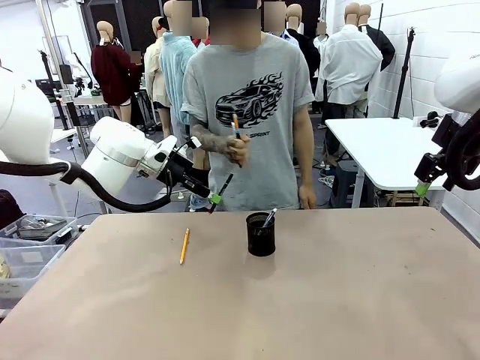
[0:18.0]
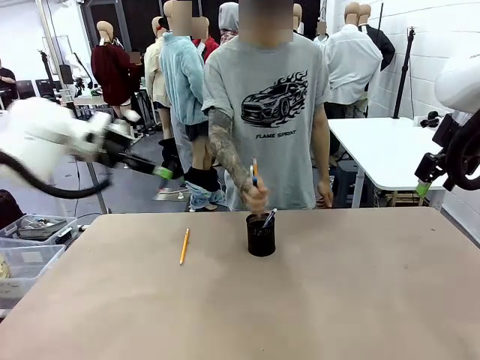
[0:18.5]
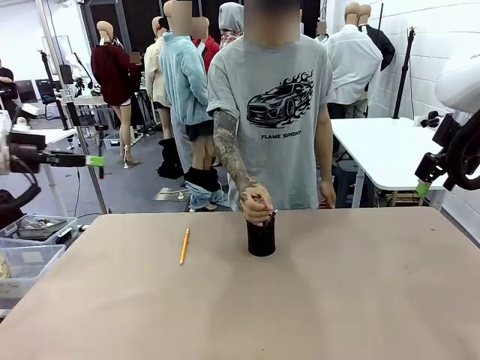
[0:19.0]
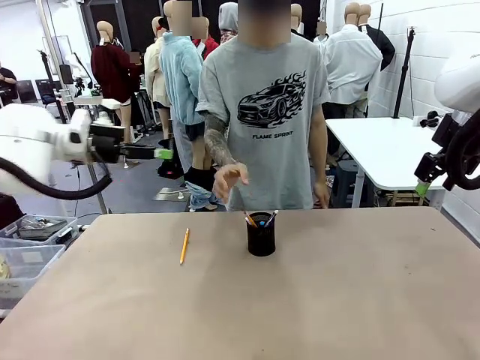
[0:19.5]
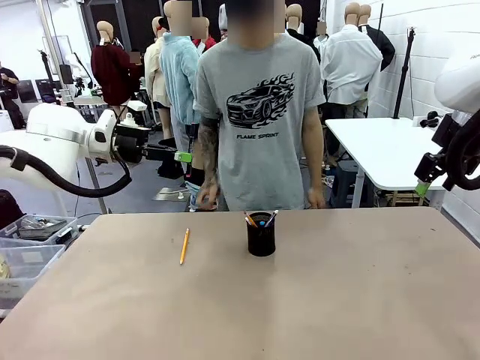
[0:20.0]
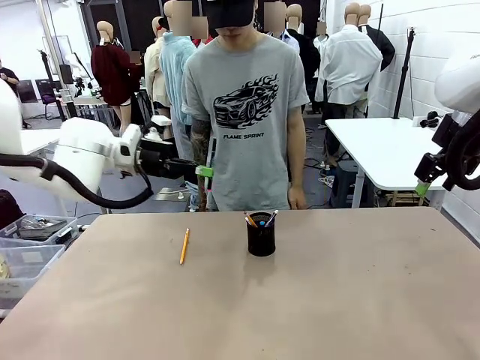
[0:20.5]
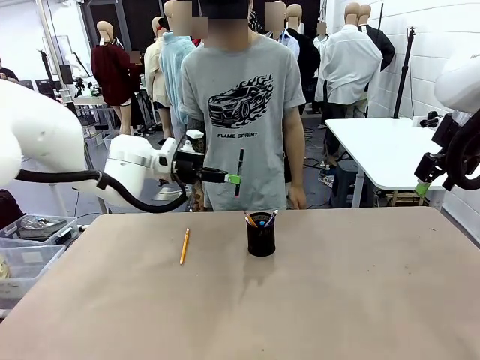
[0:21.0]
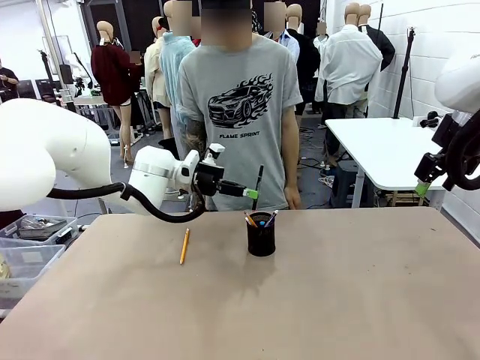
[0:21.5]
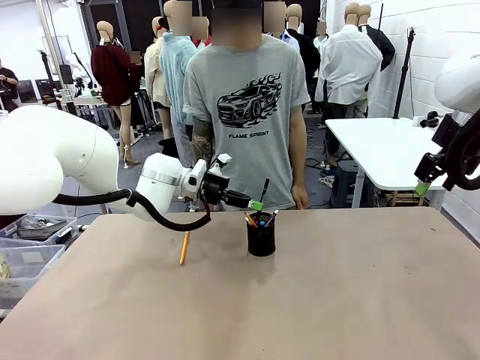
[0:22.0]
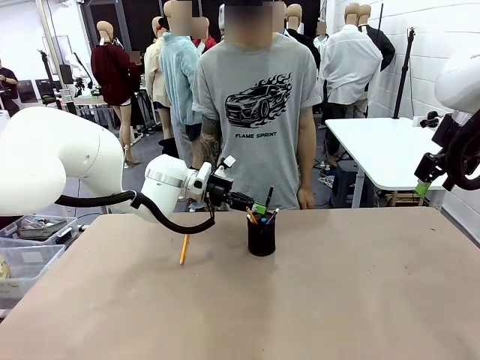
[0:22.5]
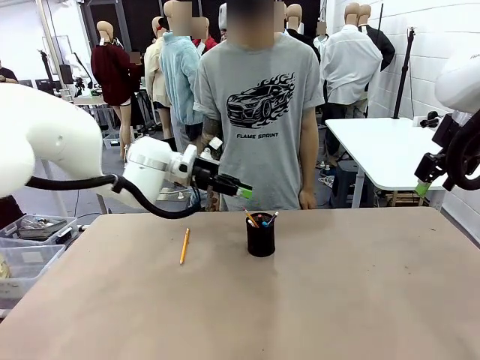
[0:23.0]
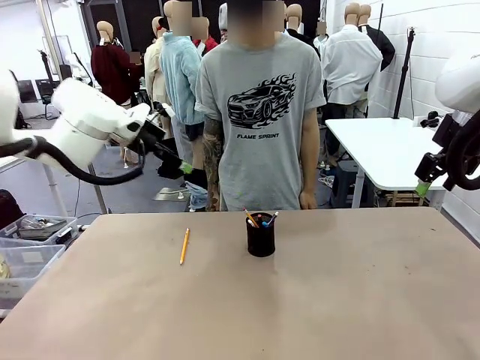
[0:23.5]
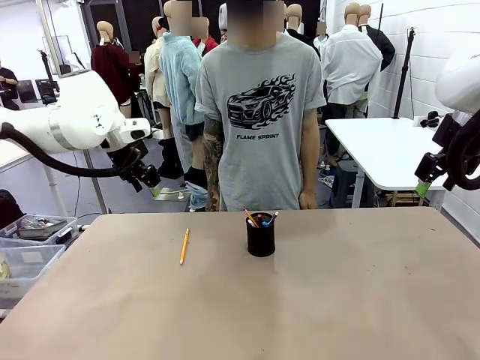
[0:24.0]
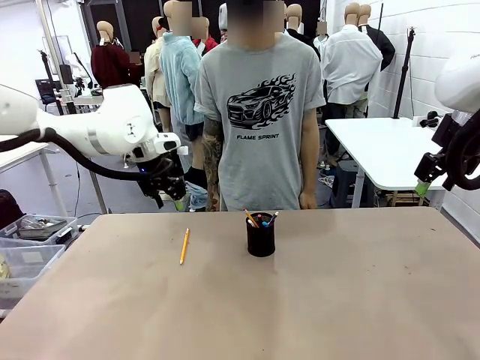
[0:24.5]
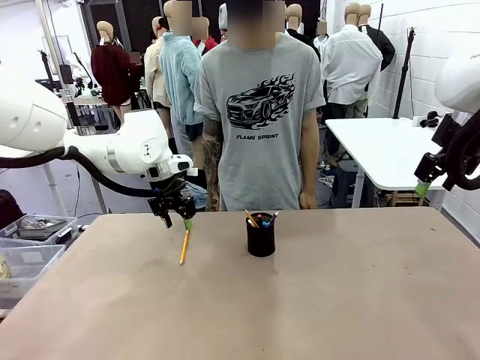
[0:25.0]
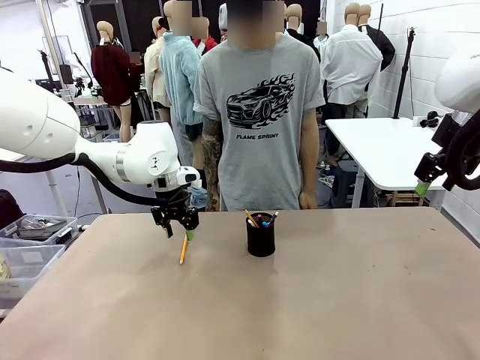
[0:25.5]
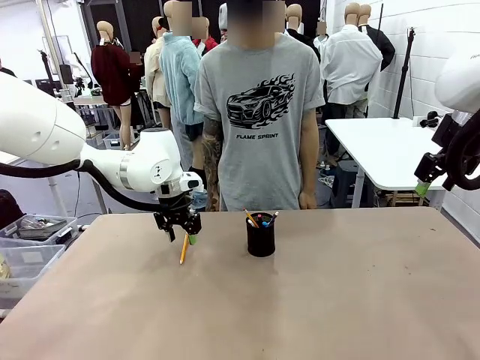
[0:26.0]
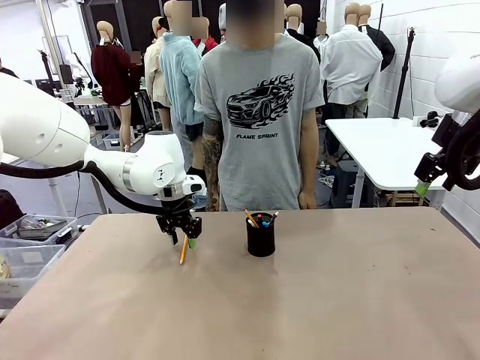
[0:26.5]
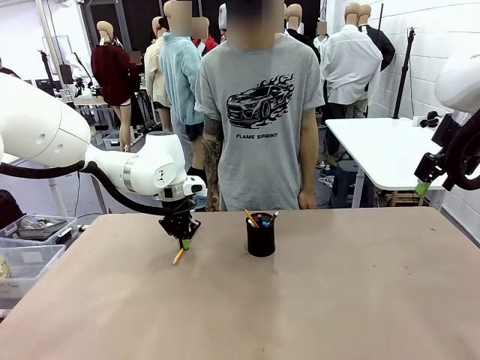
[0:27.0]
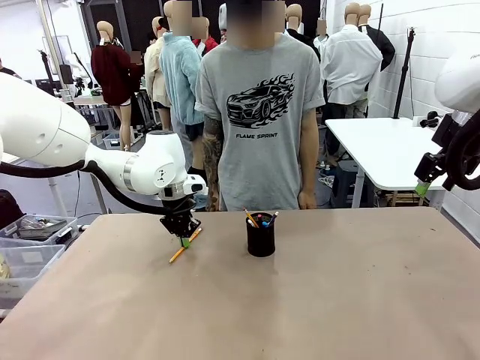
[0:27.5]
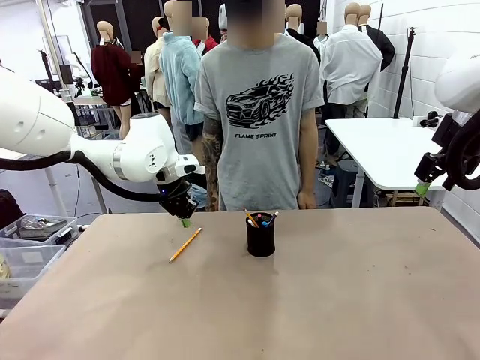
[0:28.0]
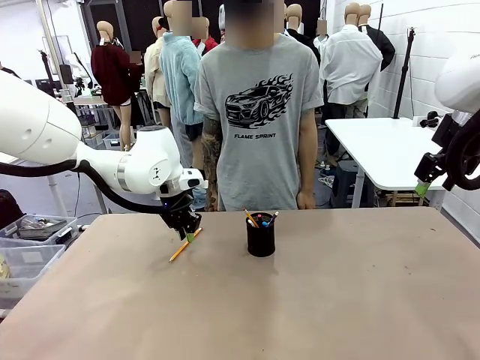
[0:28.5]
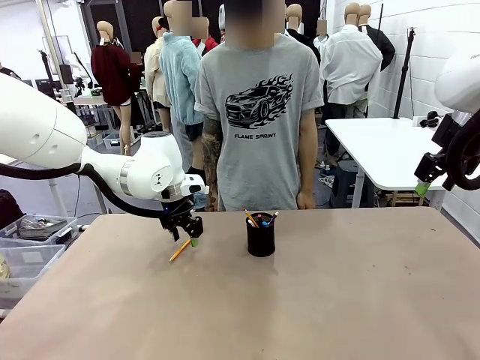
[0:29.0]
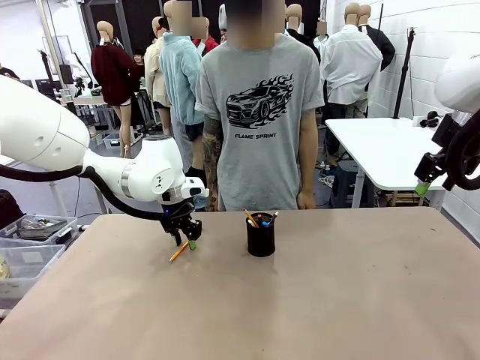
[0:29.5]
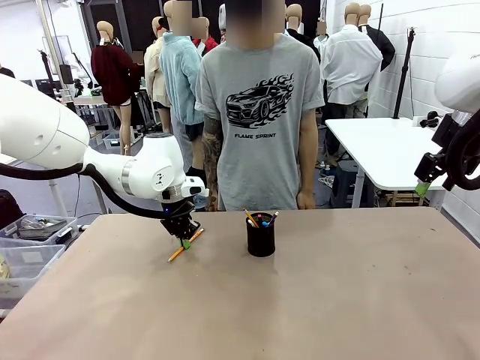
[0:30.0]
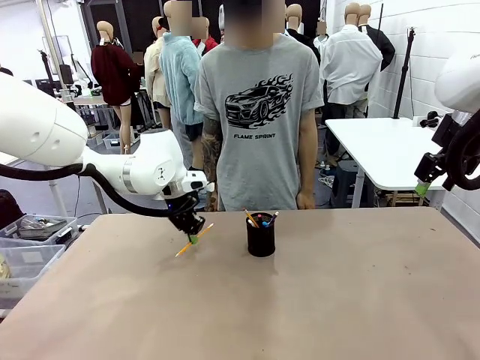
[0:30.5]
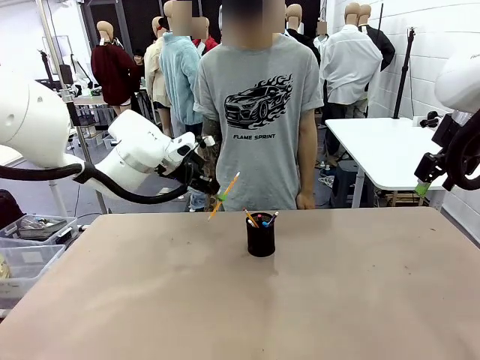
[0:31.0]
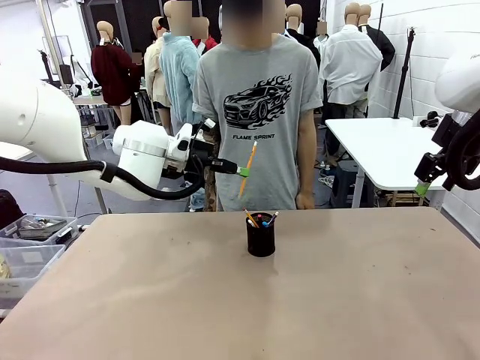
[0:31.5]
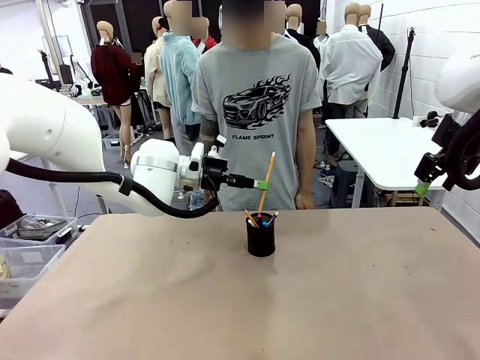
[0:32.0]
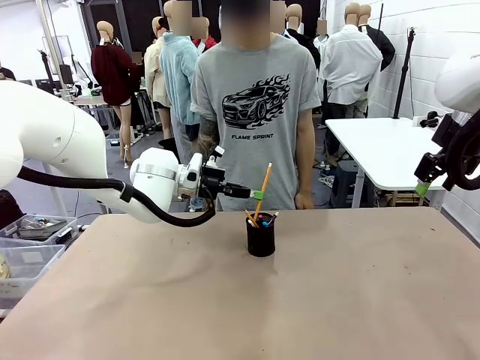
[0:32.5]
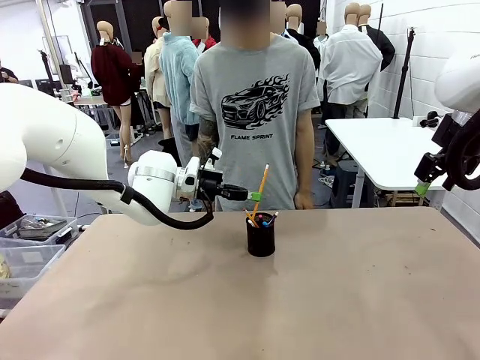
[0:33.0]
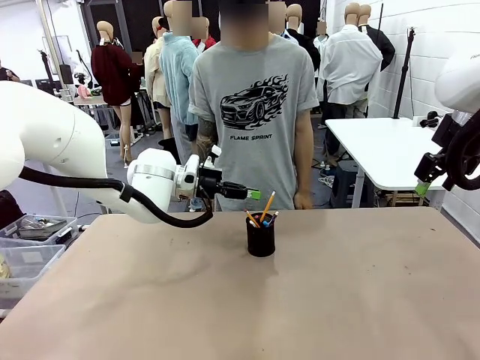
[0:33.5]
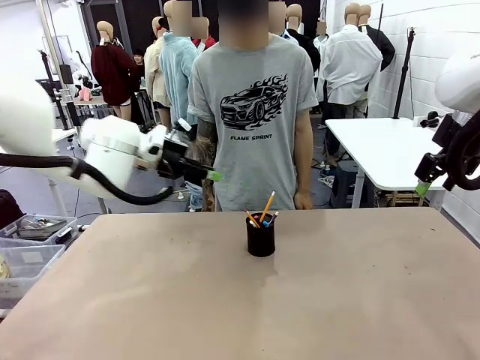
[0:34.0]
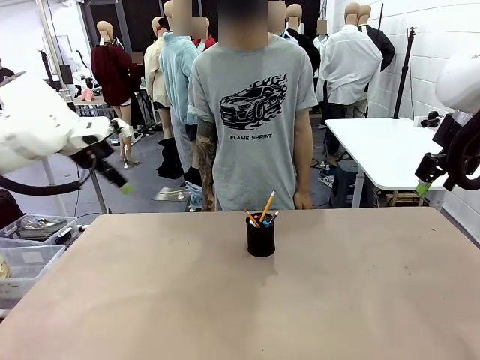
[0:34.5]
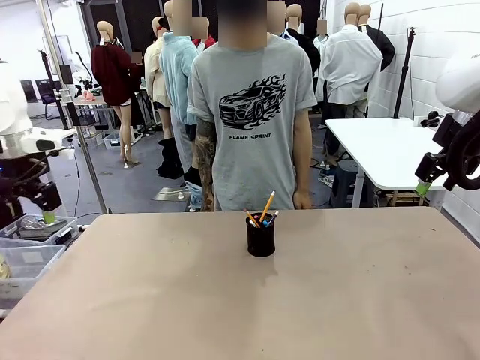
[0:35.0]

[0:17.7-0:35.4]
Task: Place the pens into the pen holder.
Robot: Pick up a writing instrument from the table and place it into the Pen holder.
Person: Place all writing instrument into the Pen holder.

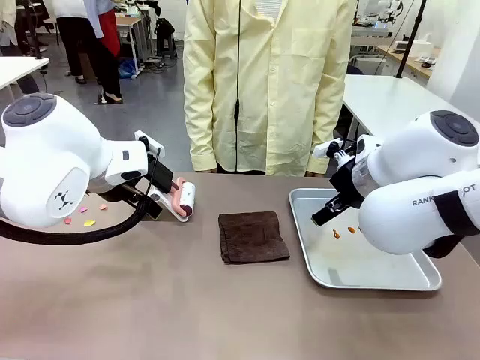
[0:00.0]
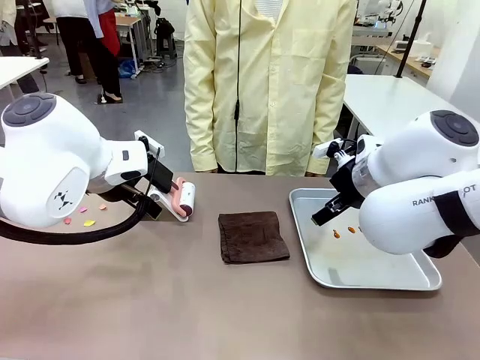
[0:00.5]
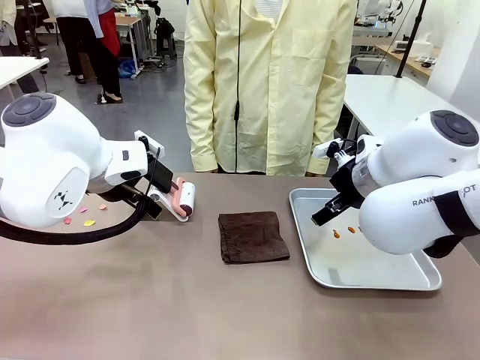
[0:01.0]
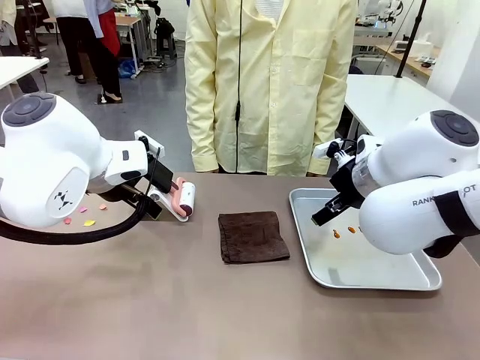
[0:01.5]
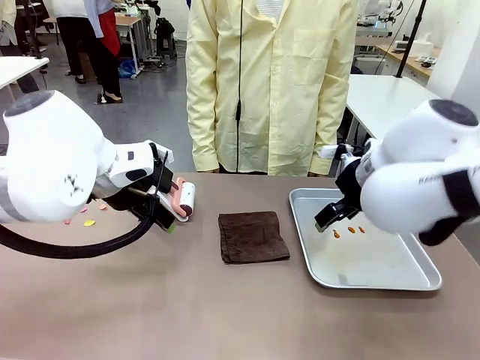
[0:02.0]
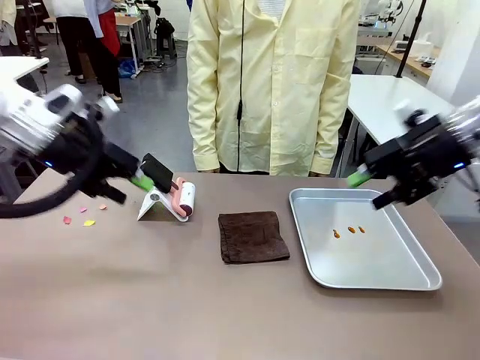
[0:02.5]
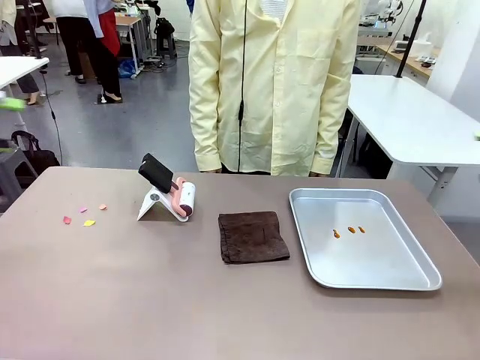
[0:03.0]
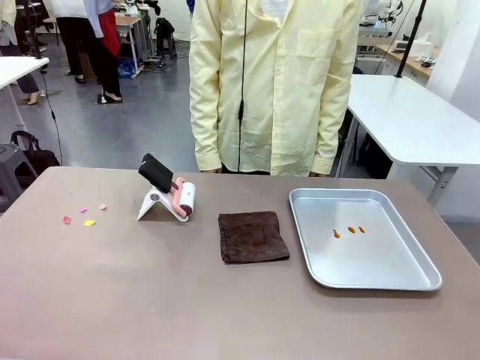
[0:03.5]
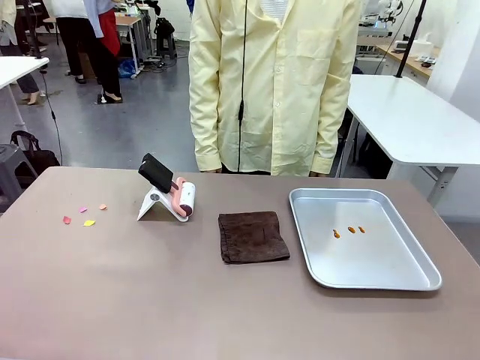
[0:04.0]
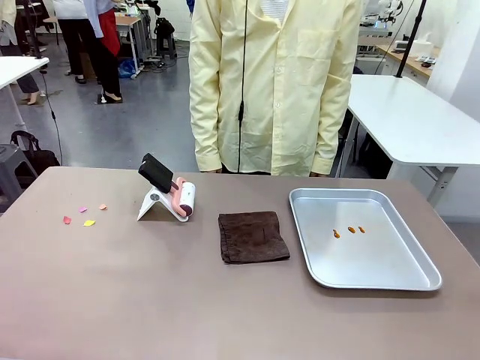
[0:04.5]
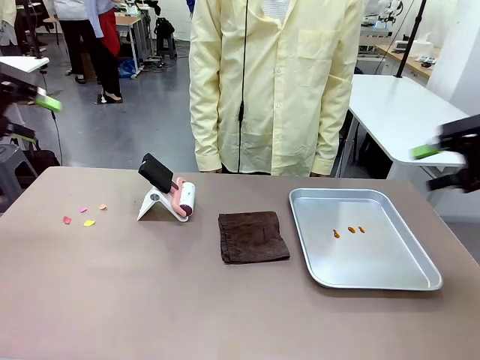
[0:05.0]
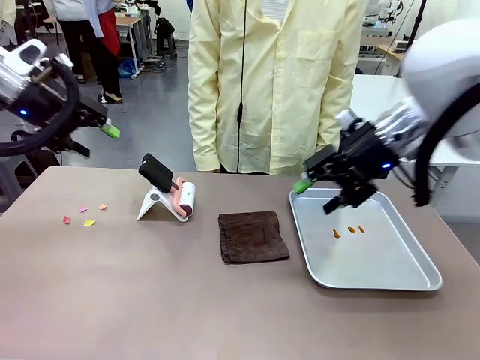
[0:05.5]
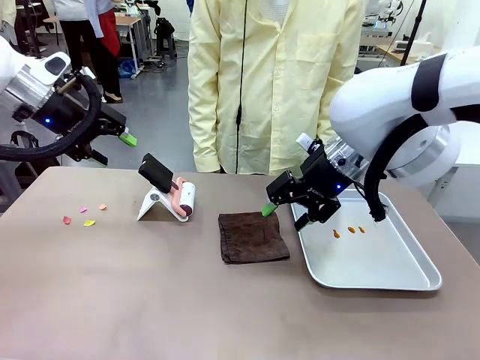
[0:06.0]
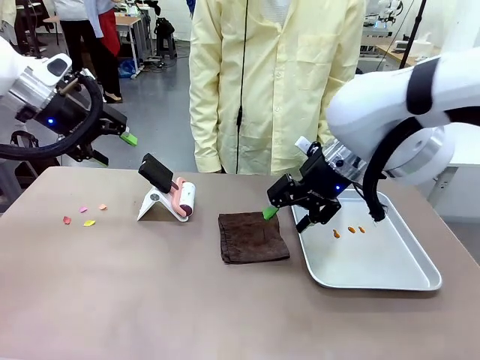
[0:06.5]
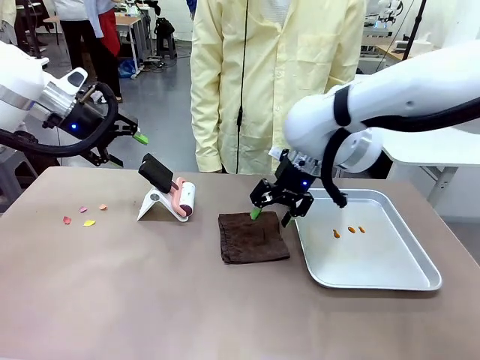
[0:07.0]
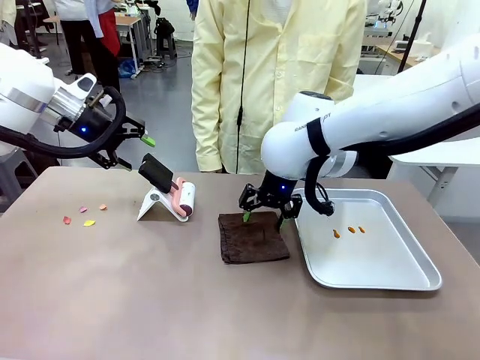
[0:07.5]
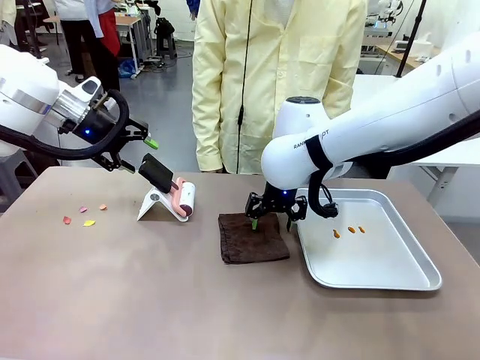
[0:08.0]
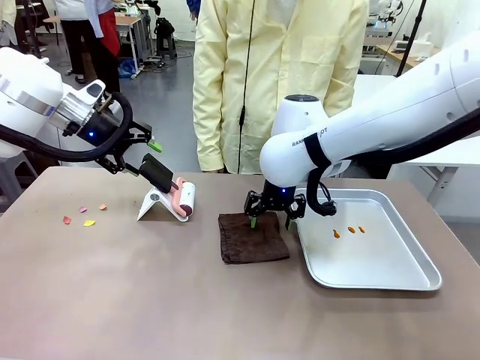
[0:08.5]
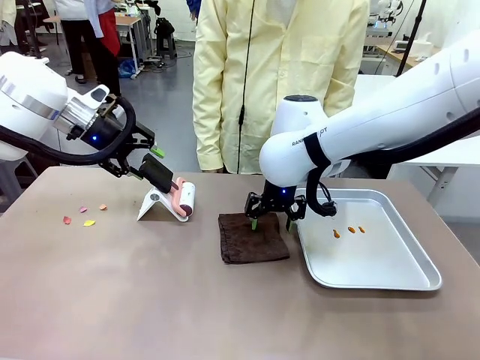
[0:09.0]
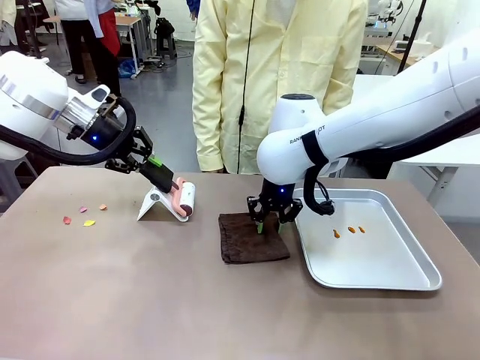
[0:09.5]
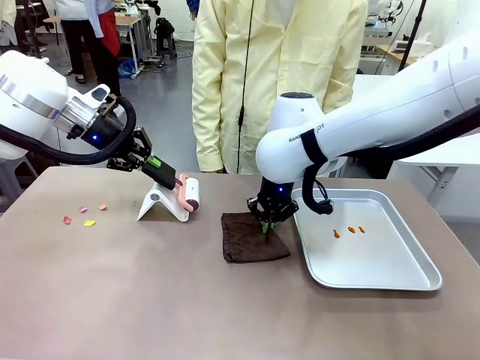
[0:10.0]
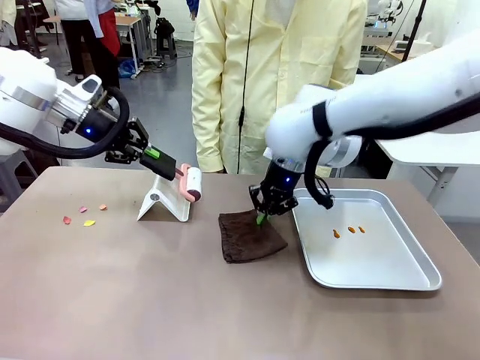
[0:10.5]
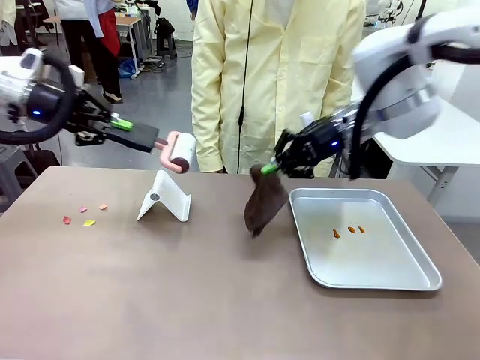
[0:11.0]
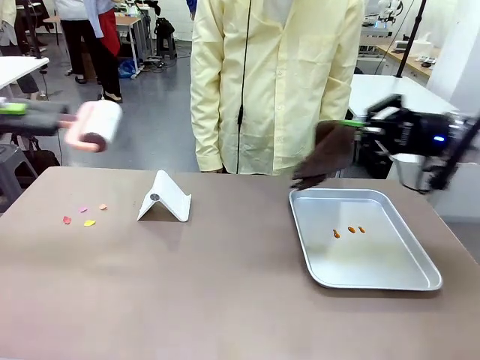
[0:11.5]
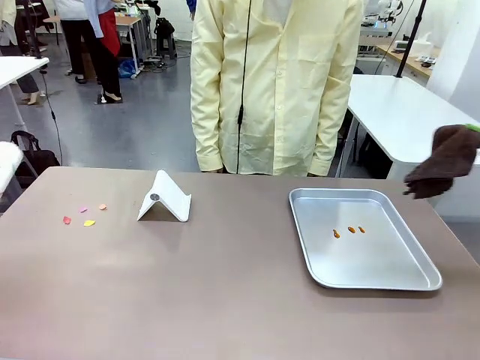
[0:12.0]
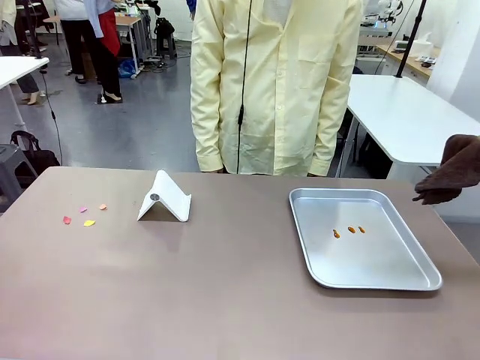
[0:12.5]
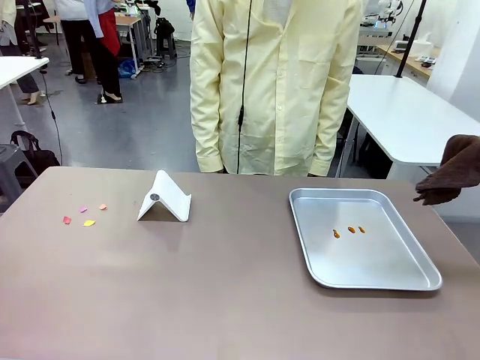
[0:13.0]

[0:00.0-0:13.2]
Task: Clean the surface of the table.
Robot: Hold the Lint Roller with your left hand and the towel with your right hand.
